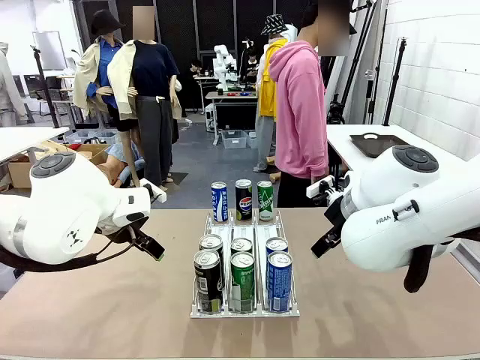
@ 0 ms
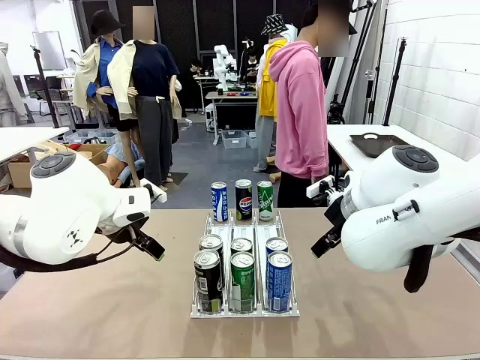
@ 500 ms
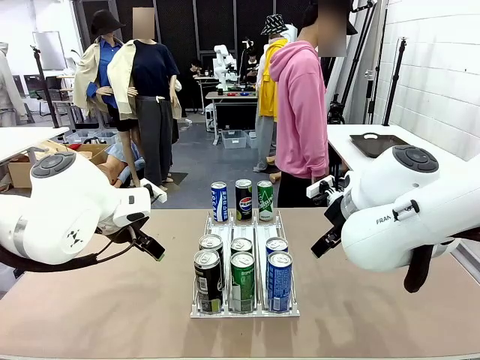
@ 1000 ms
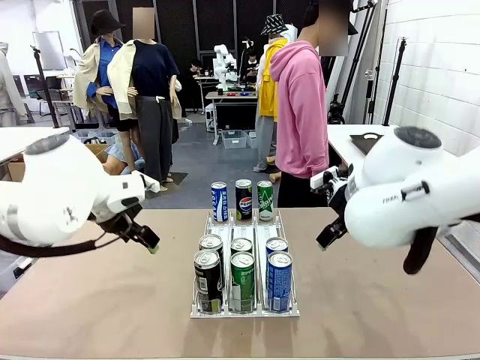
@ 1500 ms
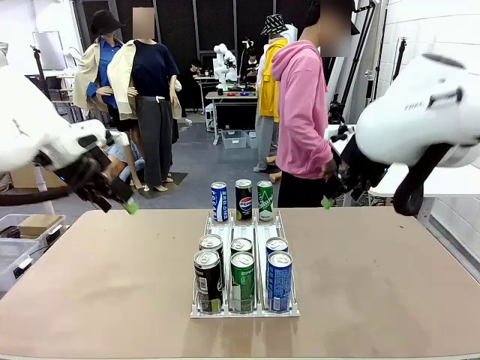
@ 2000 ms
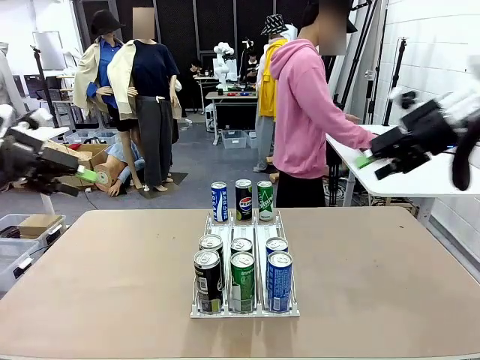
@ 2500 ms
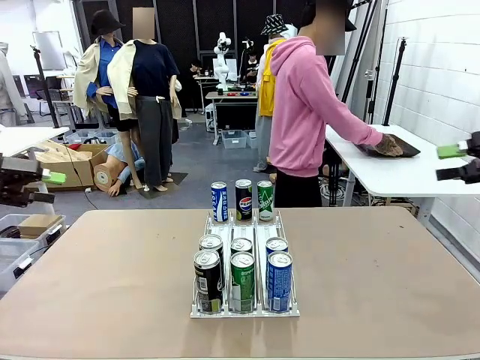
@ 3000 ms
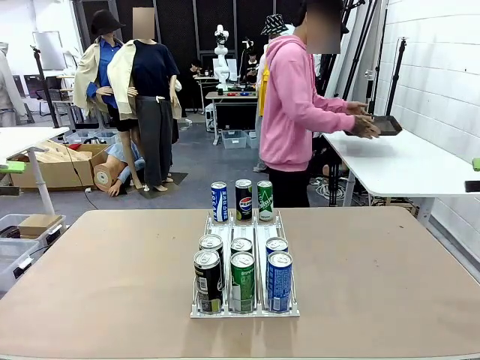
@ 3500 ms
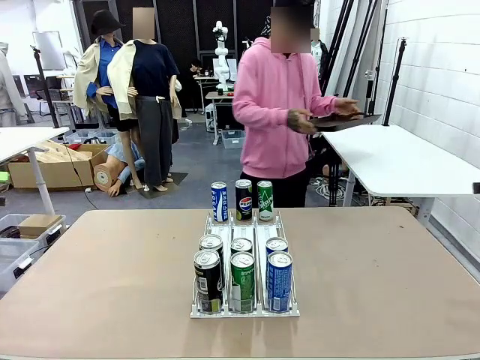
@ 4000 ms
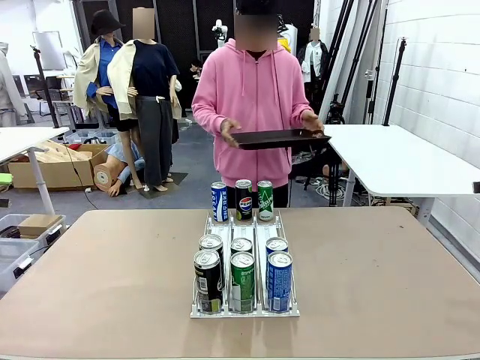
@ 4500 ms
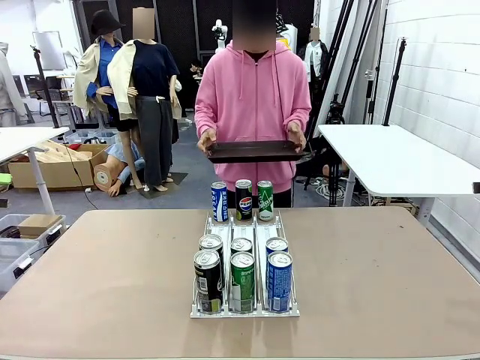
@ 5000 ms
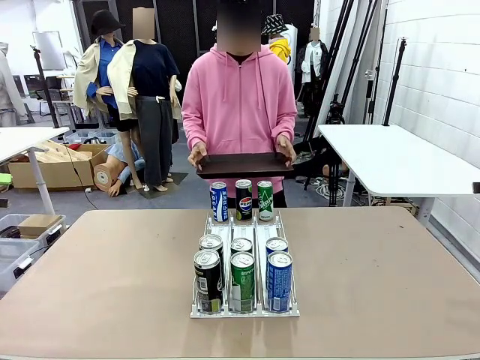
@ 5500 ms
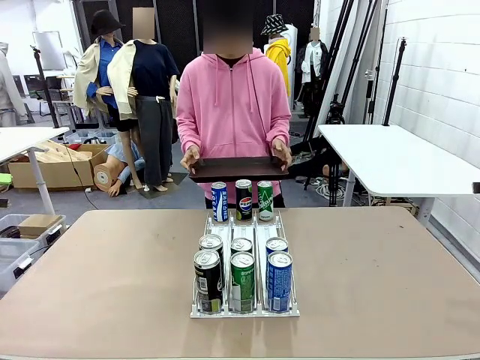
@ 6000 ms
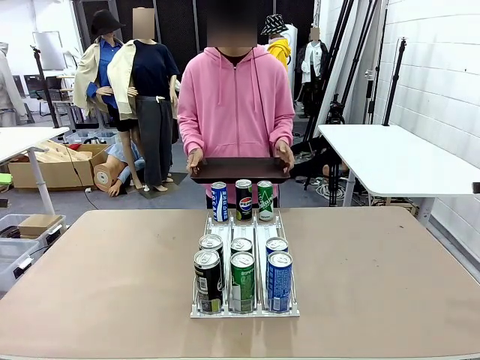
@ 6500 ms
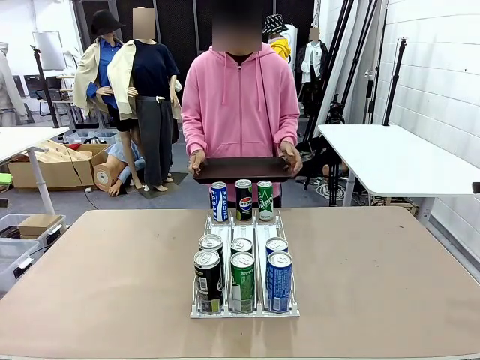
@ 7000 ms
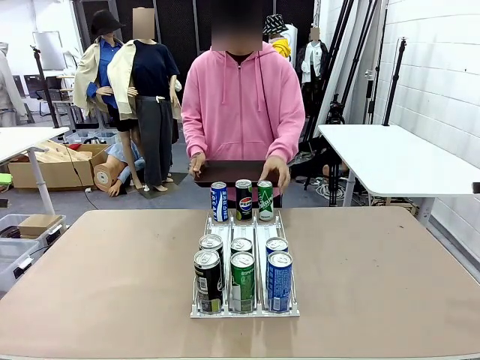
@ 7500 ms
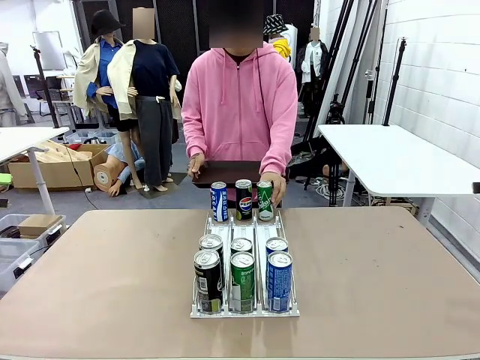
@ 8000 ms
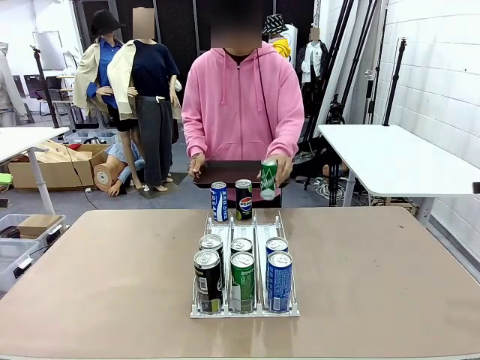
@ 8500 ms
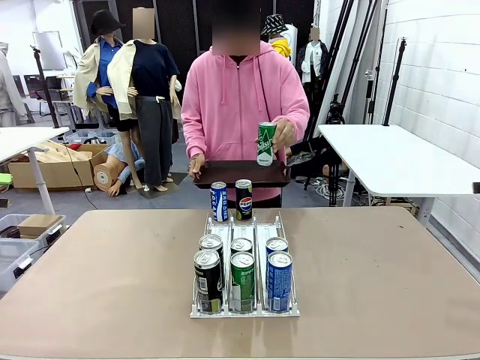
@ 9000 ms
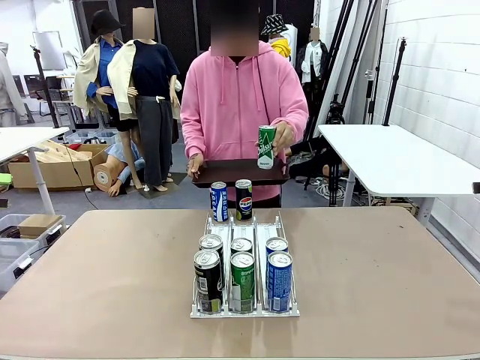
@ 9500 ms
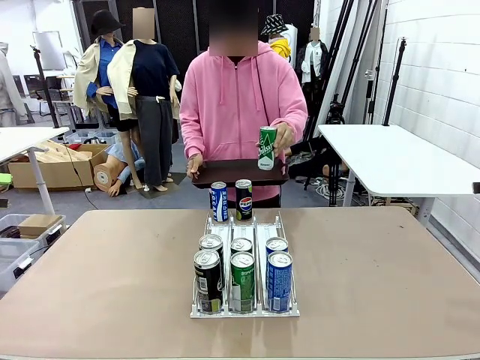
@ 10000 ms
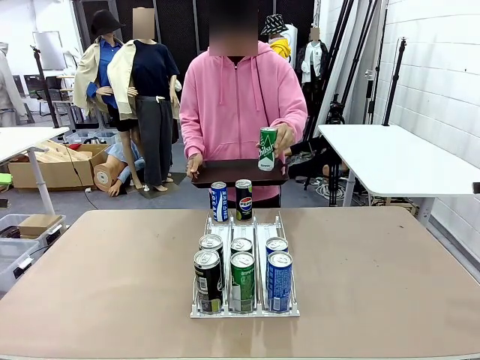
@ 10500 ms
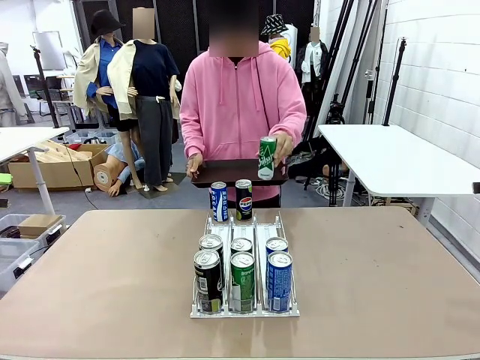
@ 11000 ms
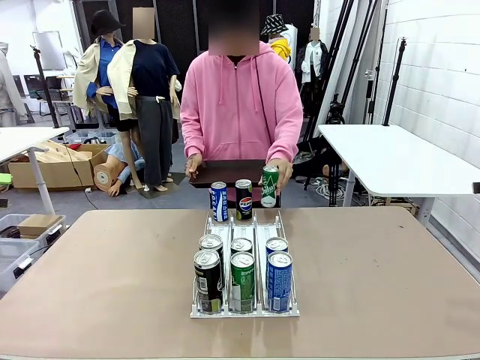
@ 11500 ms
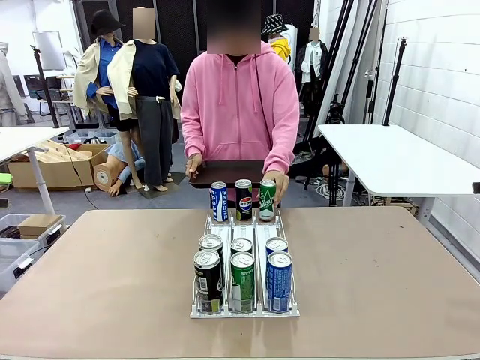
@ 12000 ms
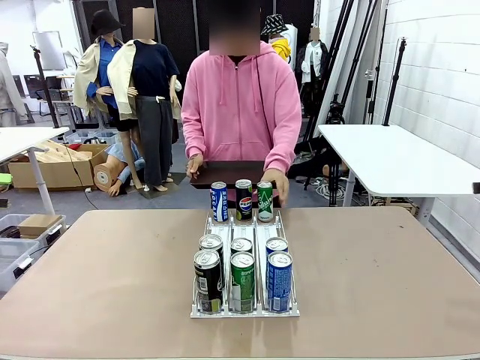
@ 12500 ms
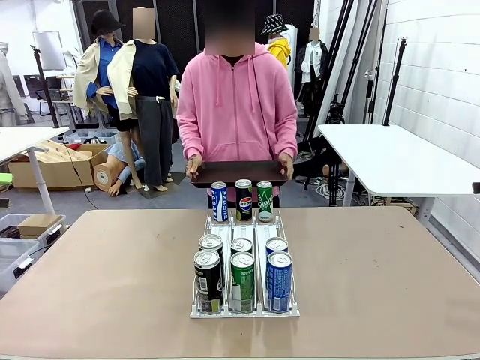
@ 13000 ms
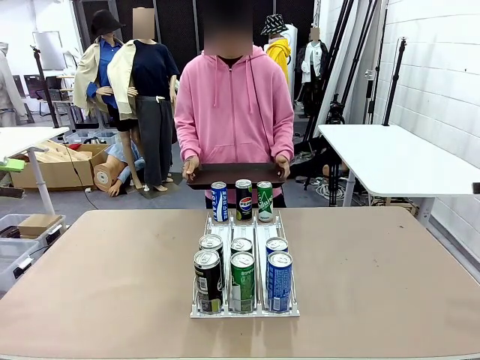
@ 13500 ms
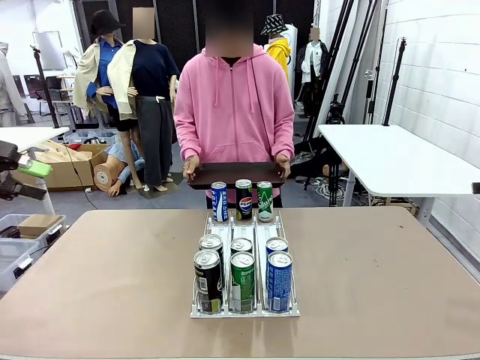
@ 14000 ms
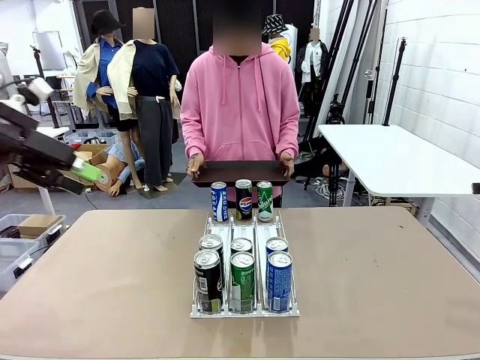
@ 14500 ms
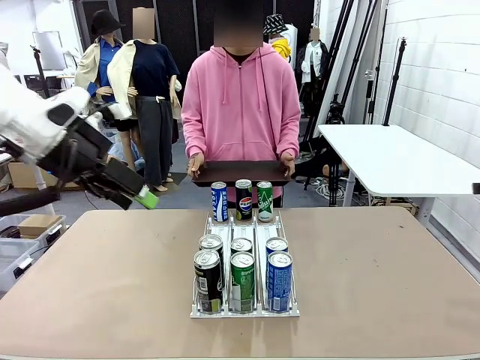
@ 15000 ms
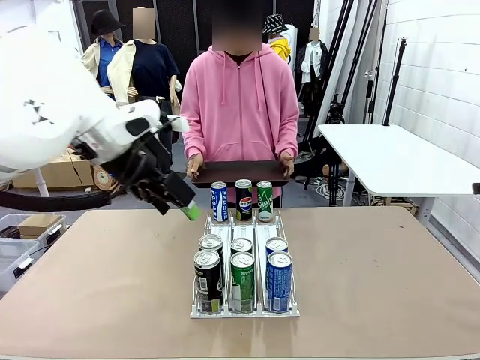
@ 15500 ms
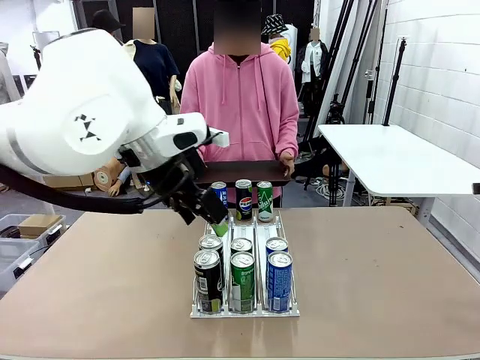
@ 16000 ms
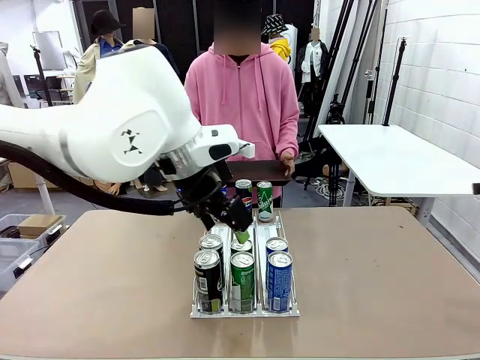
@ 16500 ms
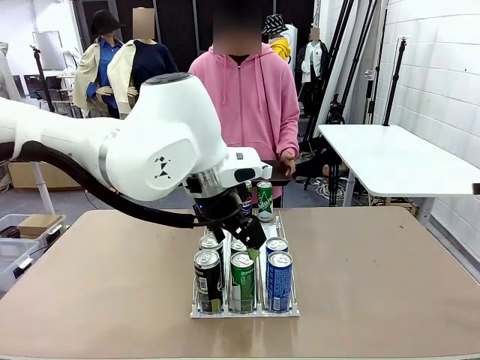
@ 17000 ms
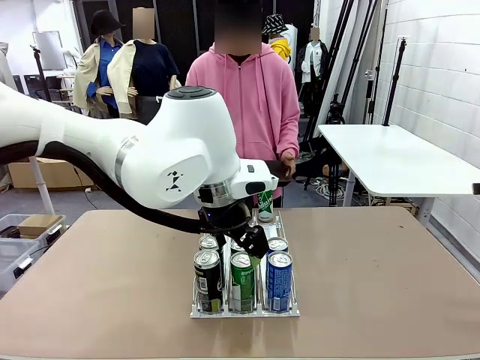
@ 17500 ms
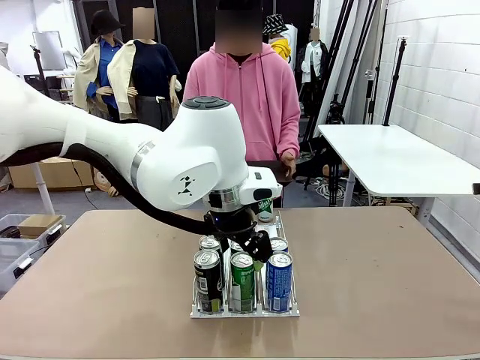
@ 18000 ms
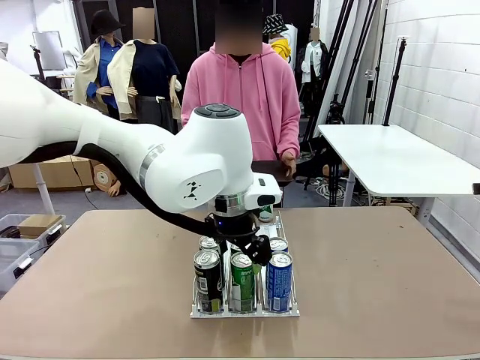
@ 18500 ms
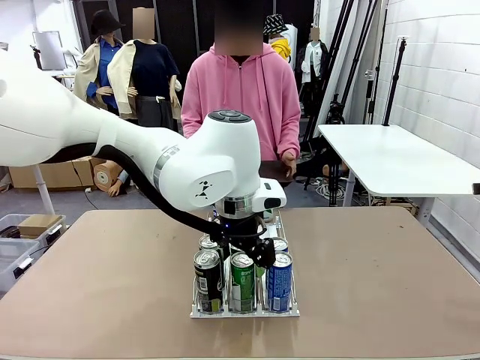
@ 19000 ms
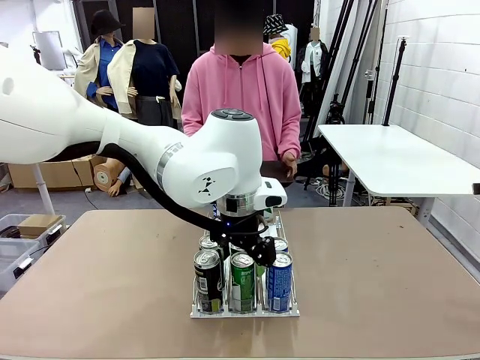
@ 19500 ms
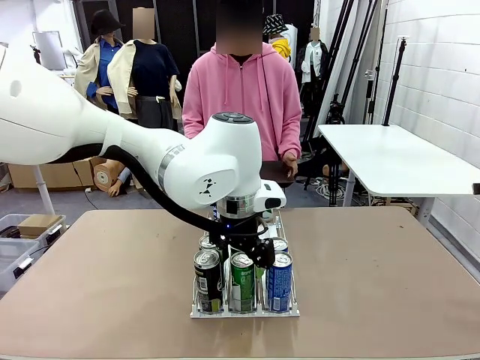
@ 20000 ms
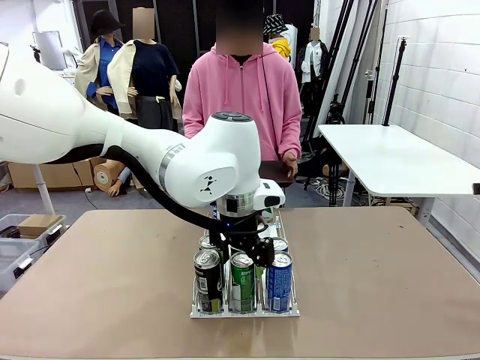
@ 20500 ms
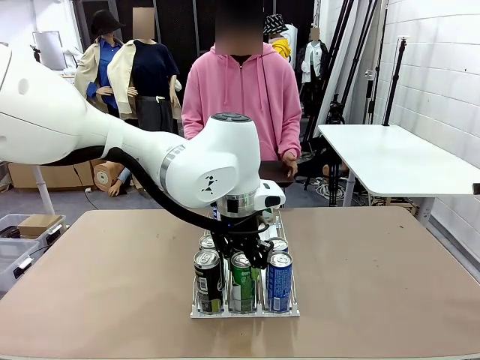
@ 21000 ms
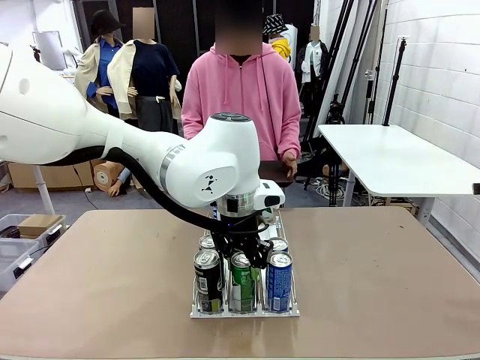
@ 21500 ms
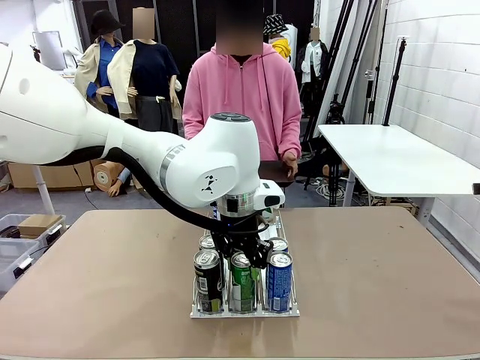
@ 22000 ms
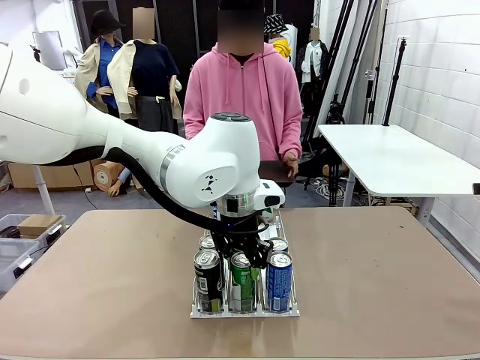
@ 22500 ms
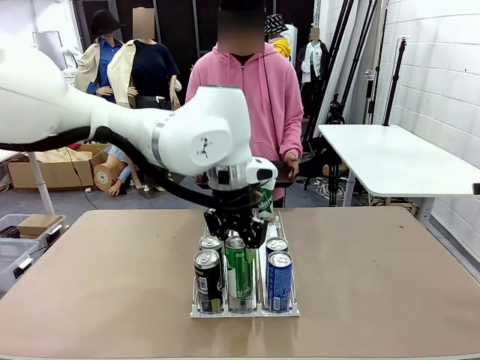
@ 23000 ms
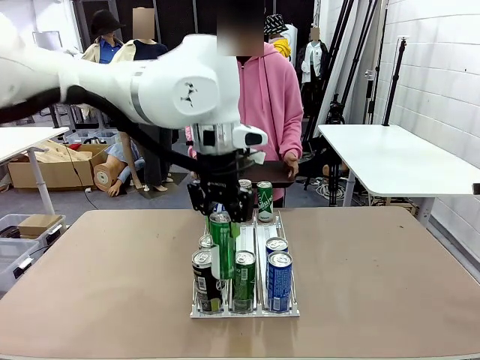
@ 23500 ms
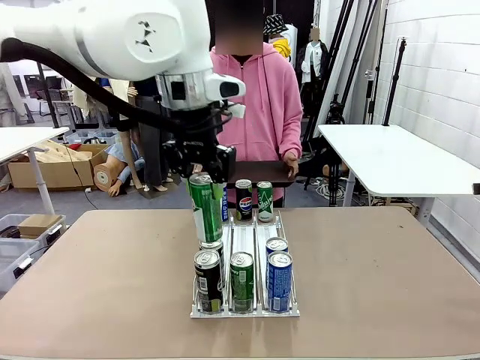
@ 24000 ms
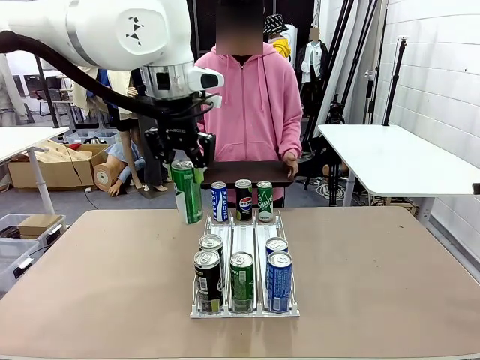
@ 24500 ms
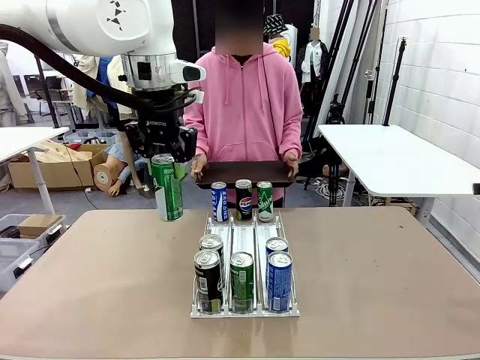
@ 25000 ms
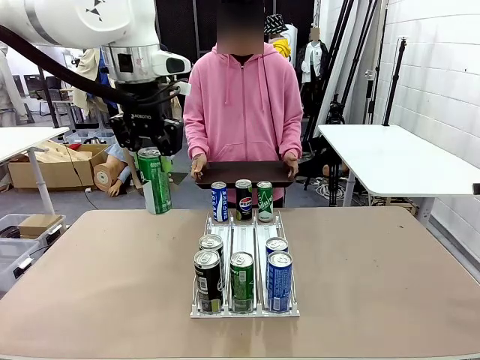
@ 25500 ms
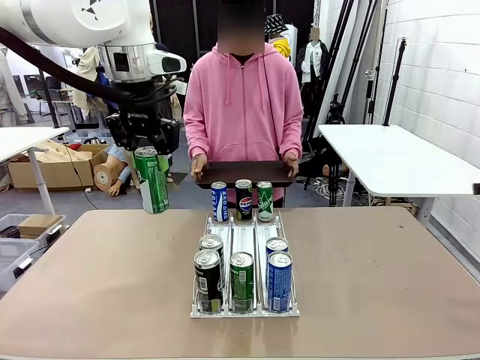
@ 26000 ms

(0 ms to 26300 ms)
Task: Retrieve and hand over the desired beverage to the person.
Robot: Pick up a can of the same type that the person held from the Automatic Can Dispenser.
Person: Hold the tray and position yourself in front of the robot table. Pick up one can from the bottom area of the table and puts it back in its original place. Push the tray toward the robot.
